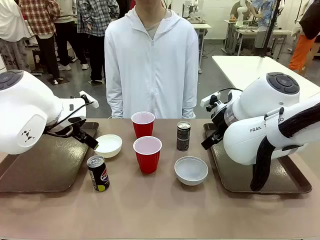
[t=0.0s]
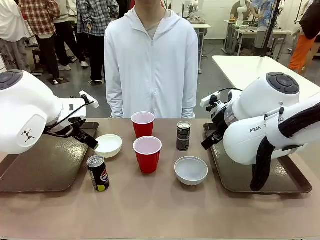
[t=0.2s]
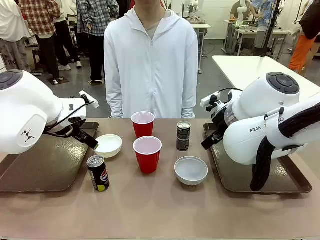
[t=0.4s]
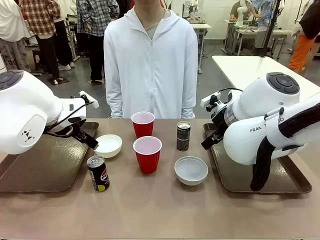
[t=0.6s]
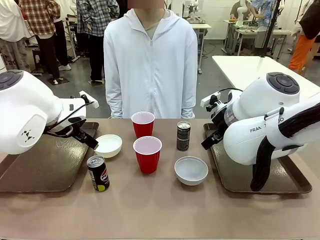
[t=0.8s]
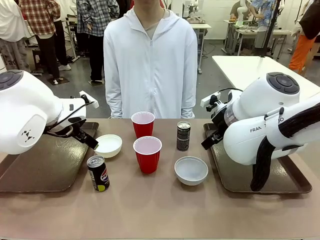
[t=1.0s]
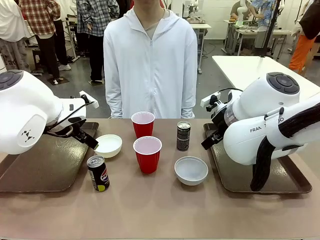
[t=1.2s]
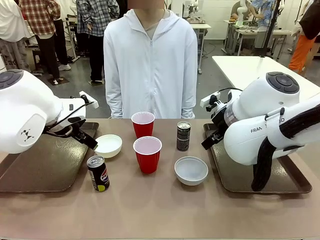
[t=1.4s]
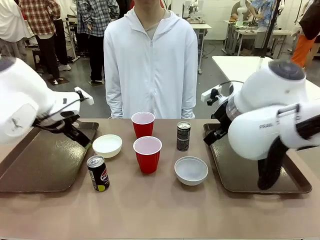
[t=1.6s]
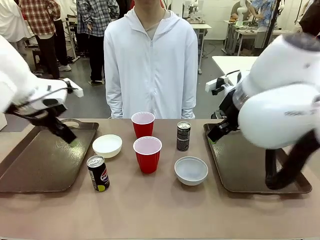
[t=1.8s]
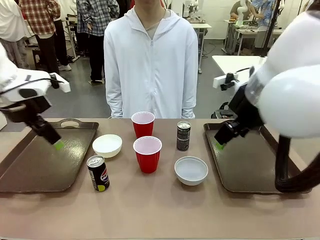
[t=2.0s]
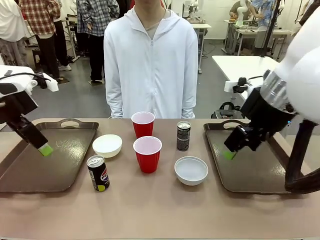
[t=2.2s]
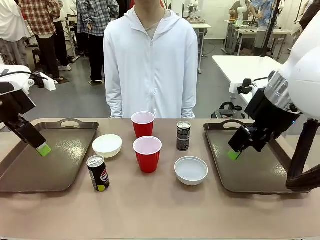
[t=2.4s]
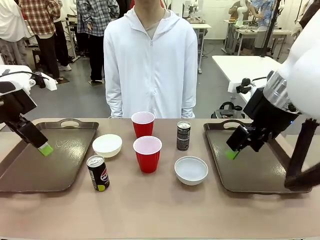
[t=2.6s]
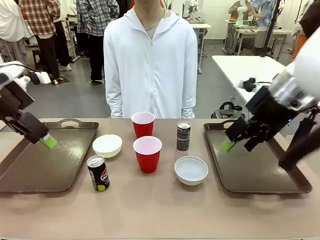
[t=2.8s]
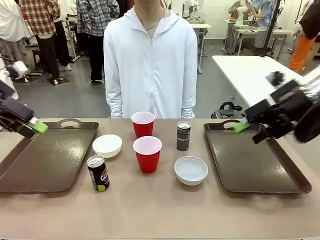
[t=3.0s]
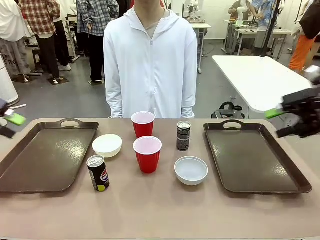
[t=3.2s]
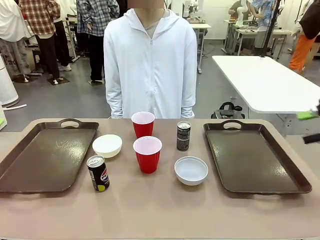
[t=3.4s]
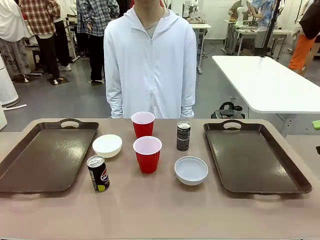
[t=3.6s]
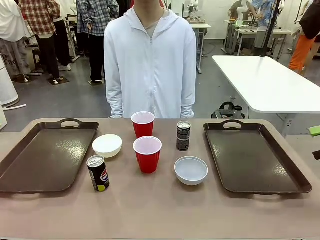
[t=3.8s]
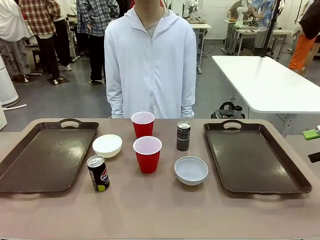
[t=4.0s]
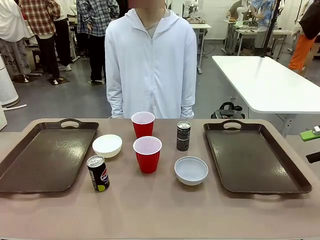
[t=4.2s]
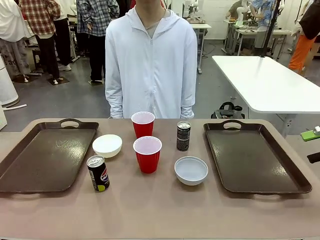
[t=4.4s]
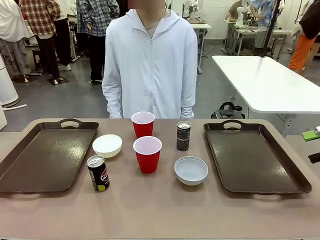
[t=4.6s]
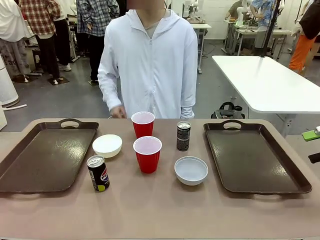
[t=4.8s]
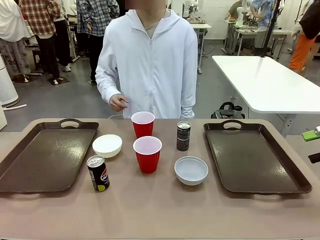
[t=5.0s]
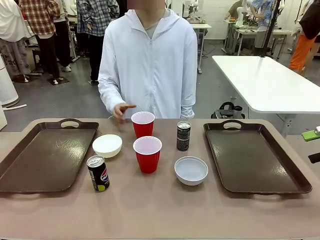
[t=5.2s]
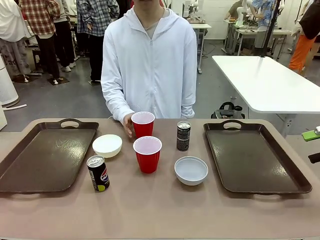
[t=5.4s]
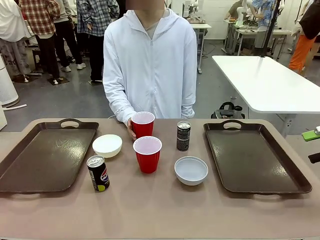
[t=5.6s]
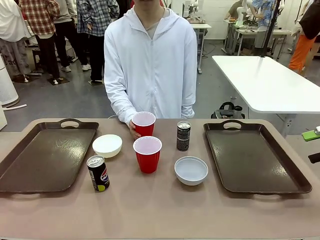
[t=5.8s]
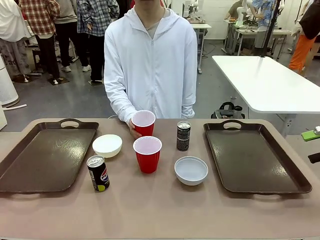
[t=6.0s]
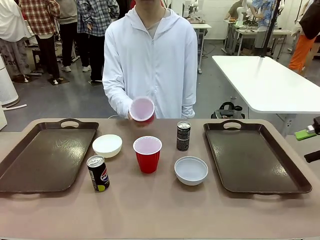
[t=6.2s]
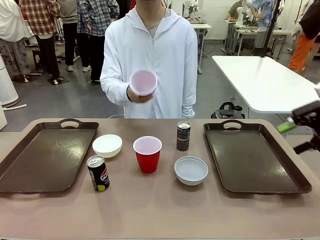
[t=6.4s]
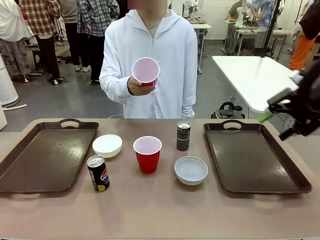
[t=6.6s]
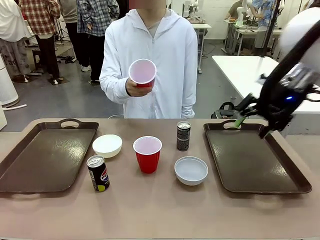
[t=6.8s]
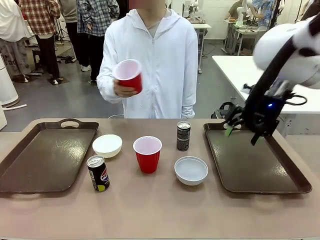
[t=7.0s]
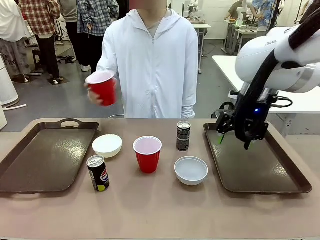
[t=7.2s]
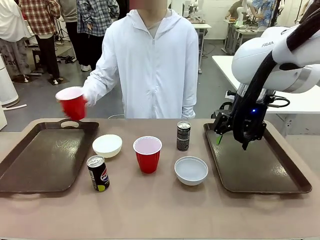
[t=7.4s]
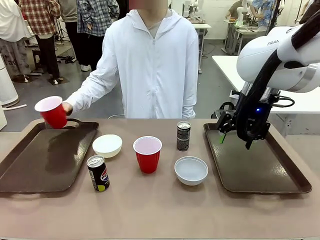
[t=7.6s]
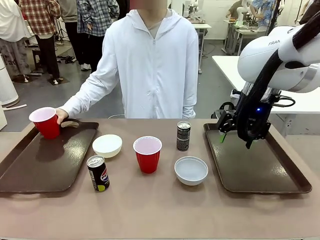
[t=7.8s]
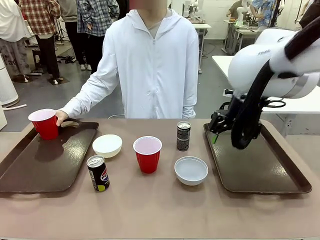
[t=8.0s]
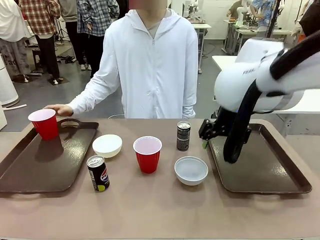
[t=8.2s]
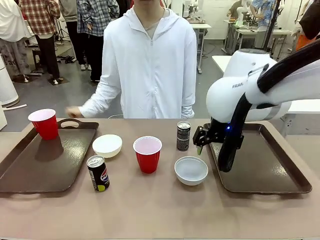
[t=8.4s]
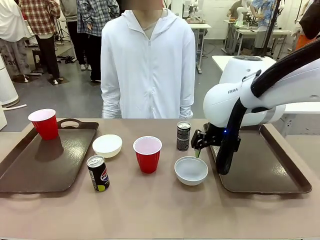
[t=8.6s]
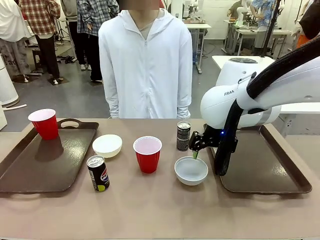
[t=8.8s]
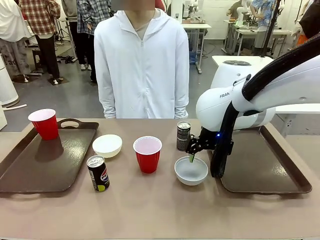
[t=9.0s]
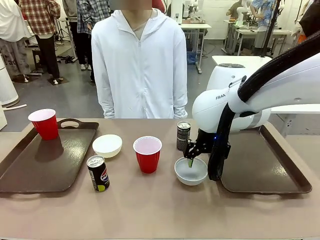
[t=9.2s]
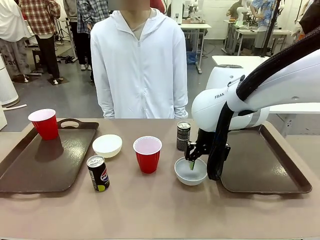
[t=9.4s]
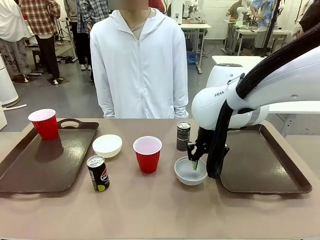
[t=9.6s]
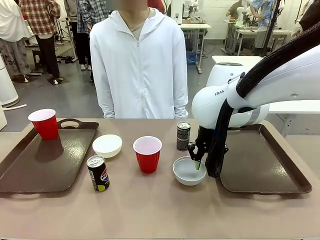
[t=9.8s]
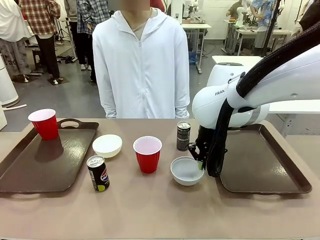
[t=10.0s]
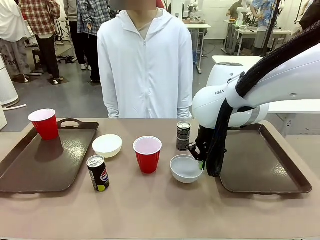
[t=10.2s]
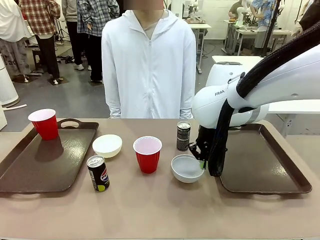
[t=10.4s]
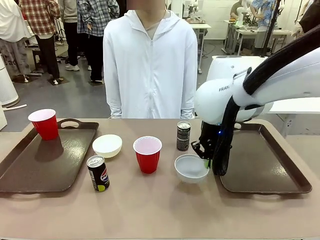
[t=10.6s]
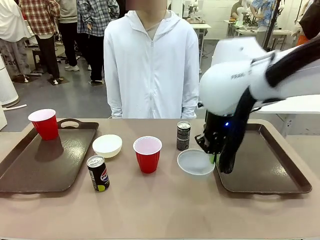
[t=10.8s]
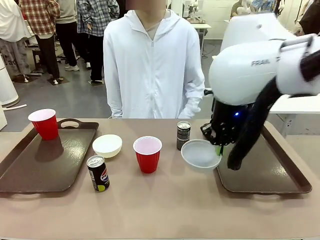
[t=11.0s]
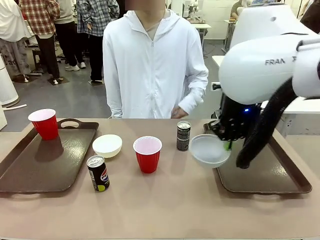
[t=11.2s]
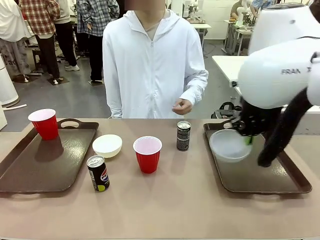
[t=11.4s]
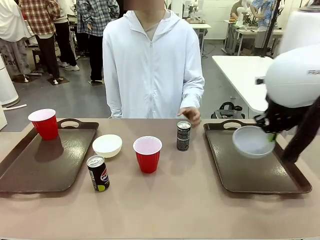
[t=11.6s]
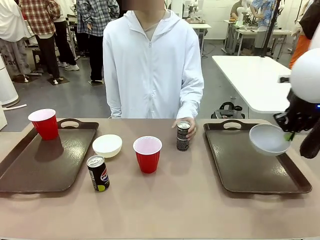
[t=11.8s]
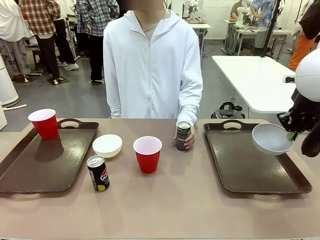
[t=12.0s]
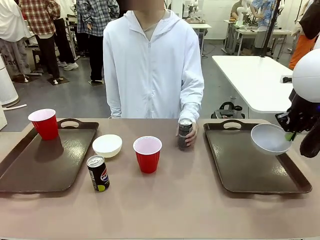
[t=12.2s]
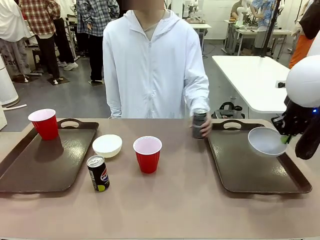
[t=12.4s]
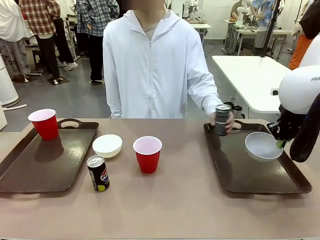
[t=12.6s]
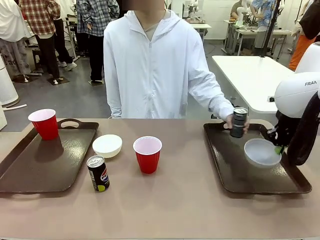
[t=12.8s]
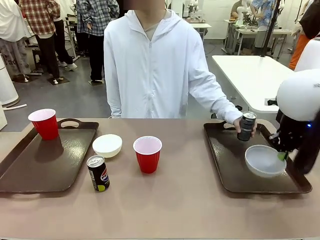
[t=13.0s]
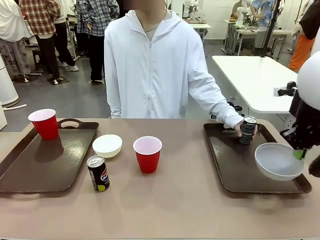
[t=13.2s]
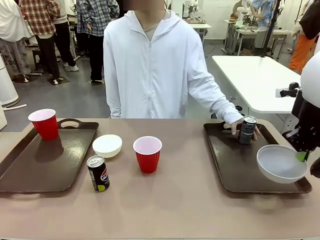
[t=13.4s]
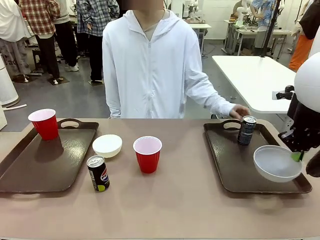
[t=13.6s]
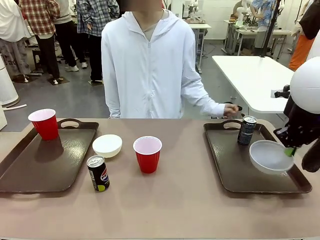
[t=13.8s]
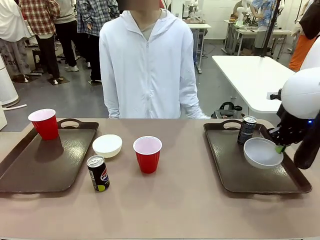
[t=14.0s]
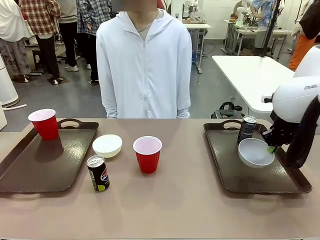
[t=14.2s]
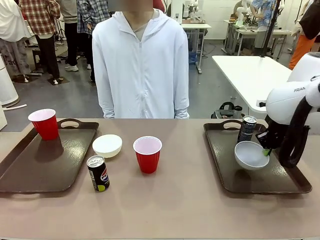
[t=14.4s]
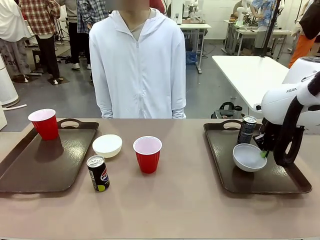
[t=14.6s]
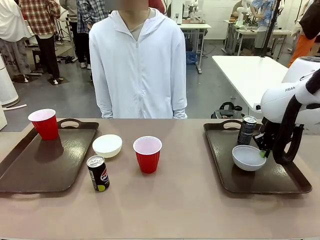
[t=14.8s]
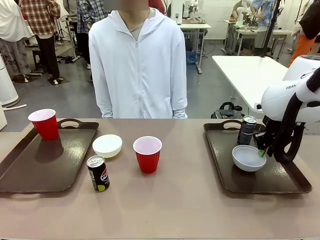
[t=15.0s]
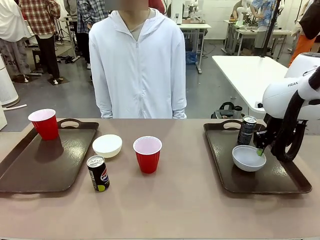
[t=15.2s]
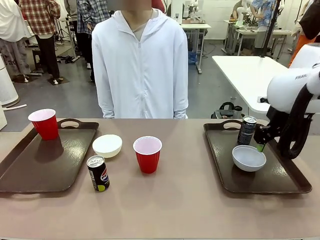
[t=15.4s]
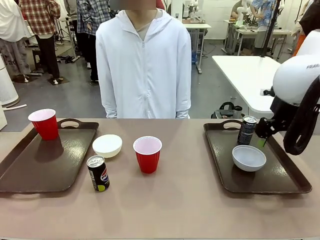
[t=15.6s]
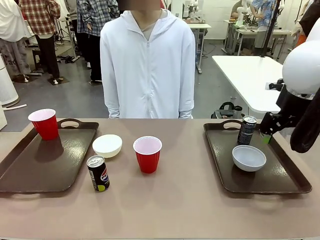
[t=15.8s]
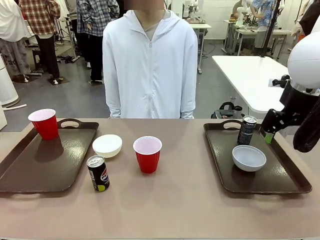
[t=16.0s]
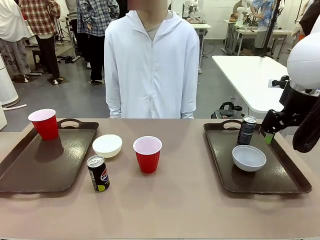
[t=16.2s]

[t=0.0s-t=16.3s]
Task: Prepare tableware on both trays.
Robot: Pick up a Picnic Bowl from the table and place it on a Handle tray.
Person: Pick up a can or cup and place it on the tray.
